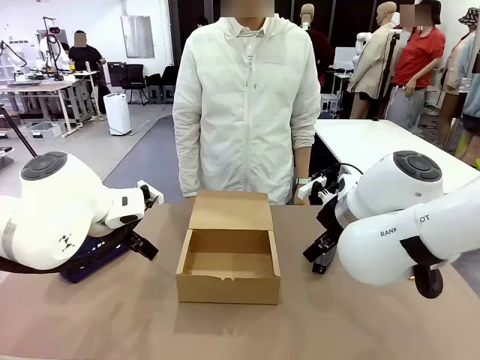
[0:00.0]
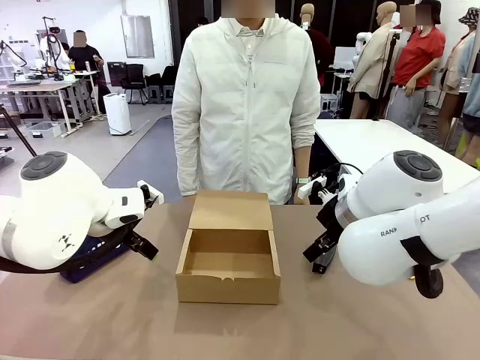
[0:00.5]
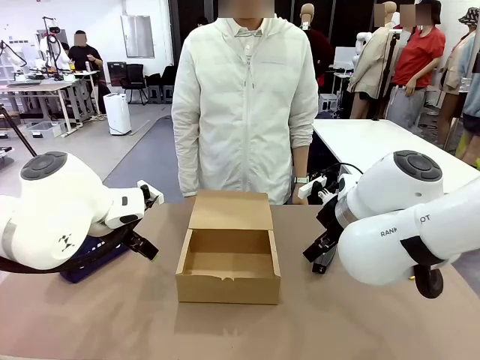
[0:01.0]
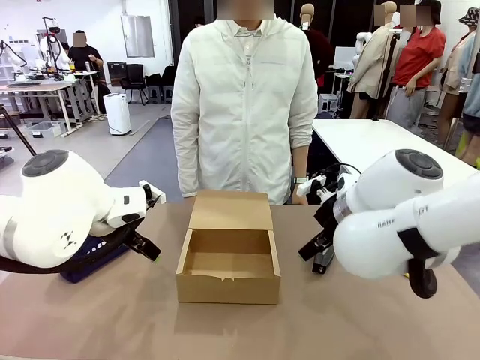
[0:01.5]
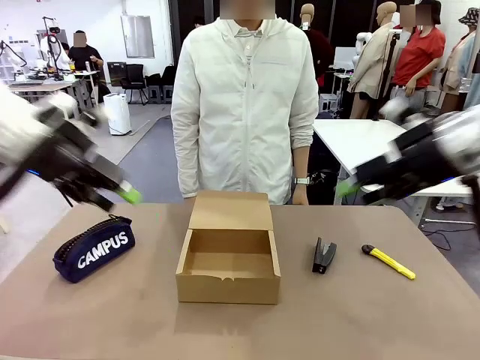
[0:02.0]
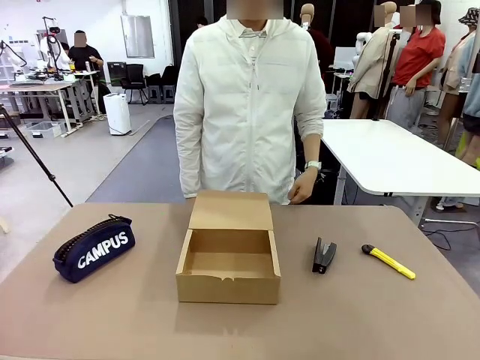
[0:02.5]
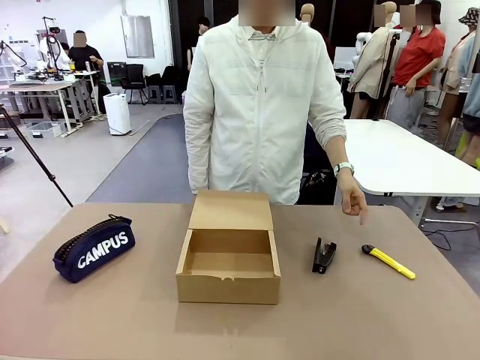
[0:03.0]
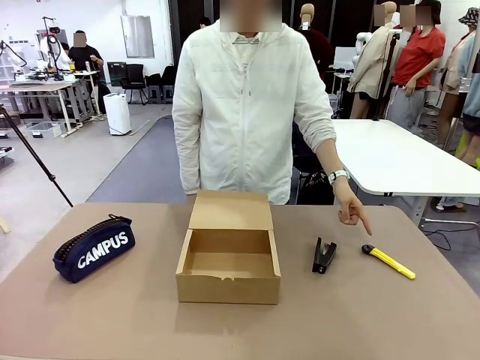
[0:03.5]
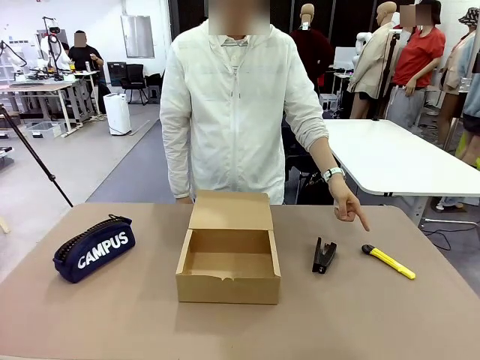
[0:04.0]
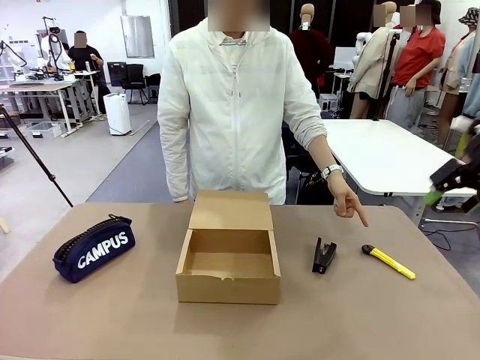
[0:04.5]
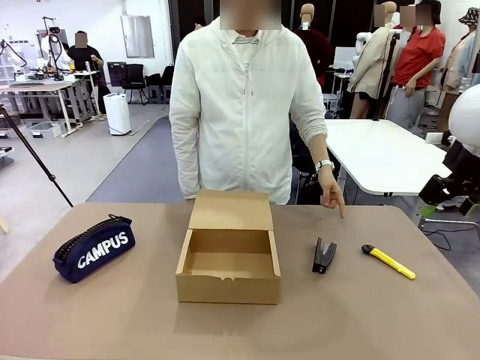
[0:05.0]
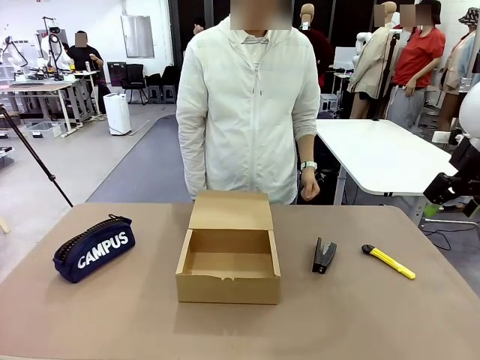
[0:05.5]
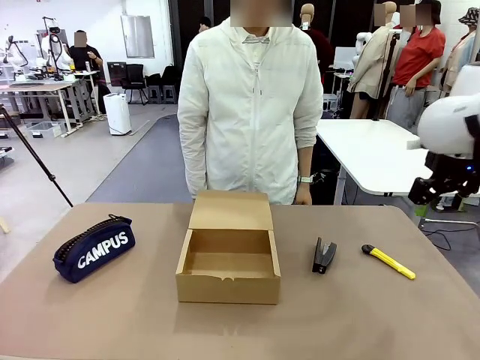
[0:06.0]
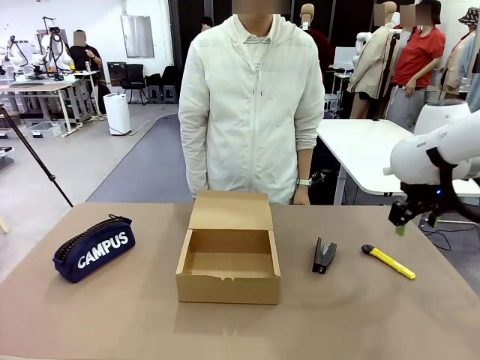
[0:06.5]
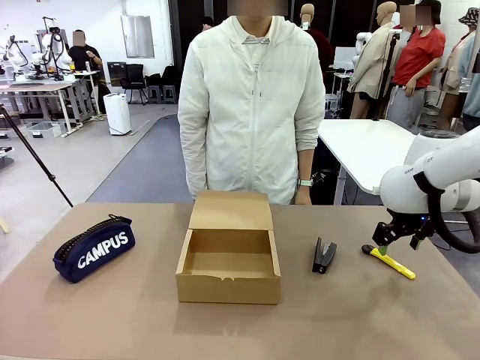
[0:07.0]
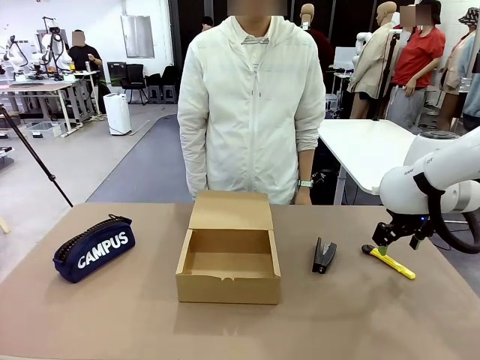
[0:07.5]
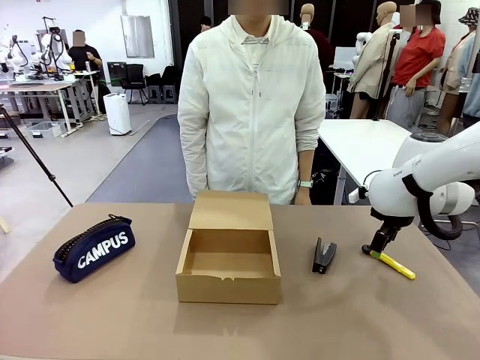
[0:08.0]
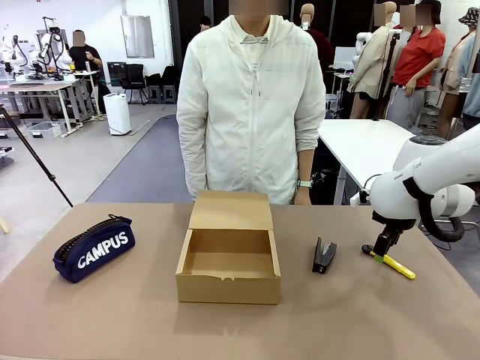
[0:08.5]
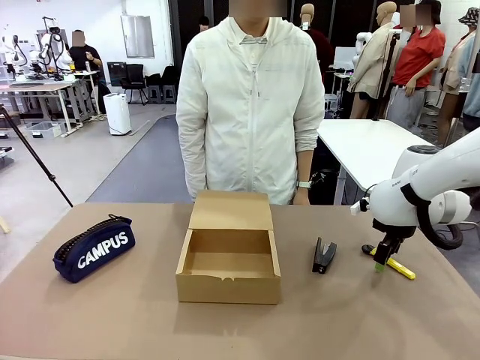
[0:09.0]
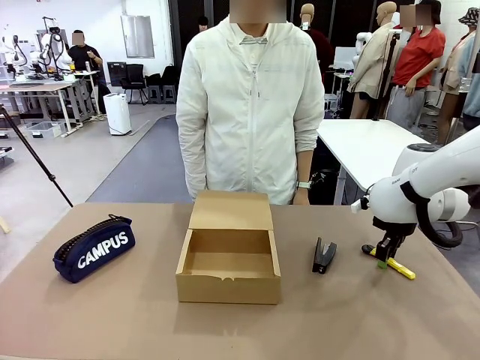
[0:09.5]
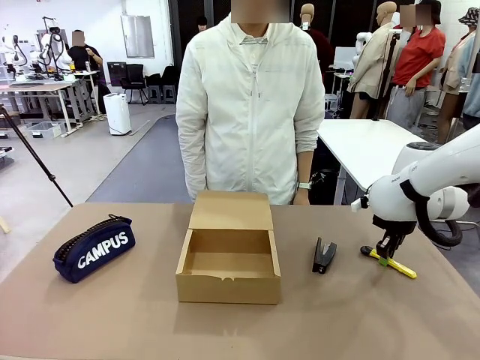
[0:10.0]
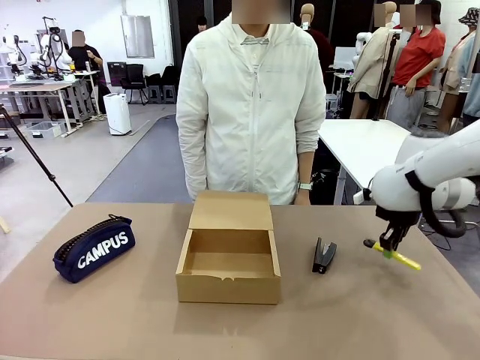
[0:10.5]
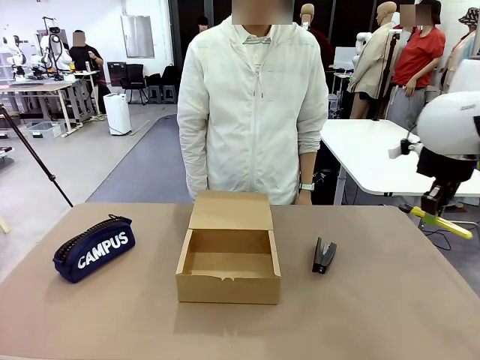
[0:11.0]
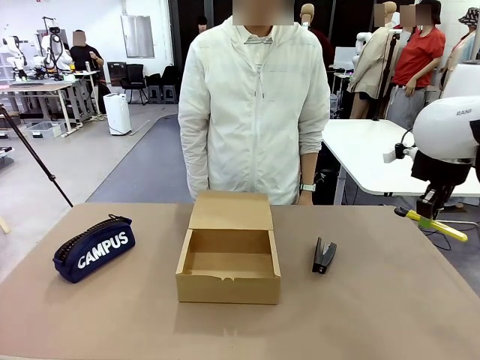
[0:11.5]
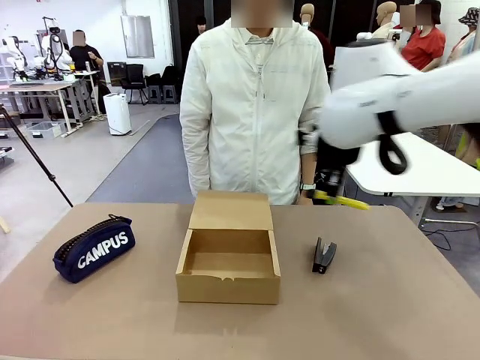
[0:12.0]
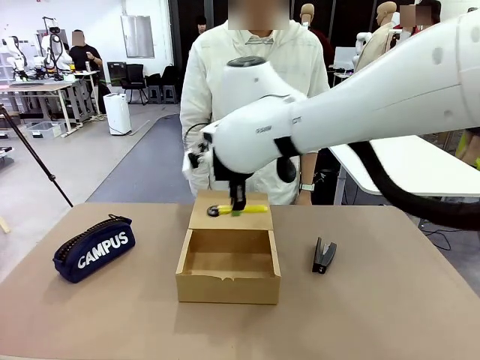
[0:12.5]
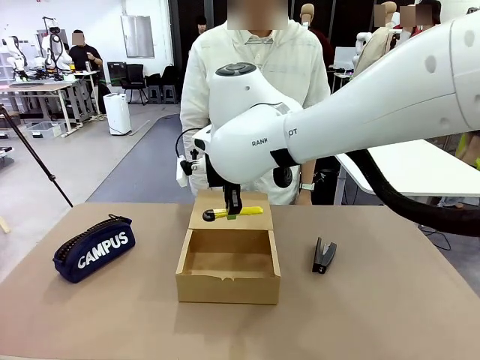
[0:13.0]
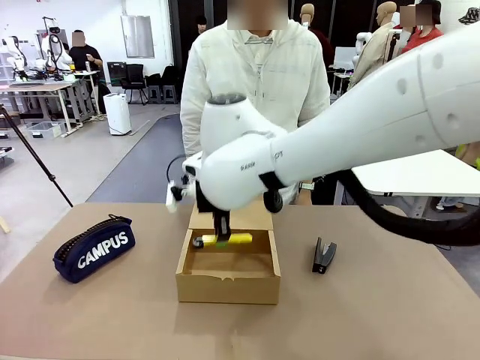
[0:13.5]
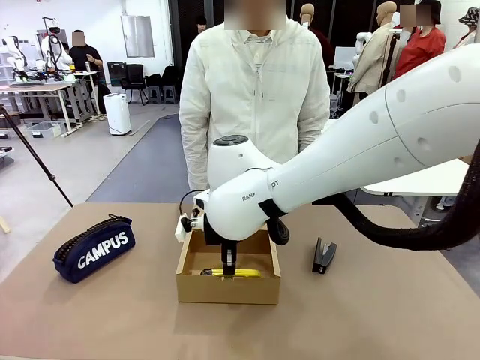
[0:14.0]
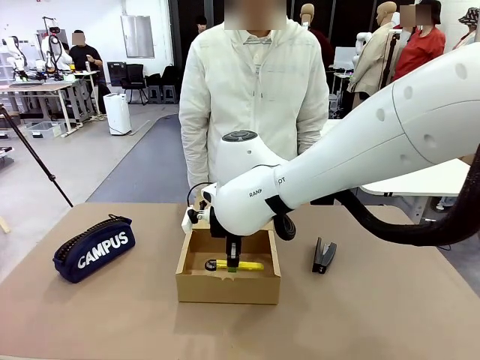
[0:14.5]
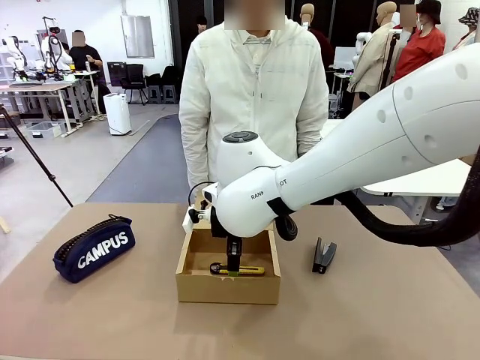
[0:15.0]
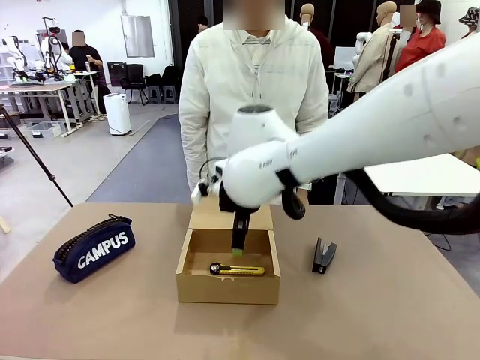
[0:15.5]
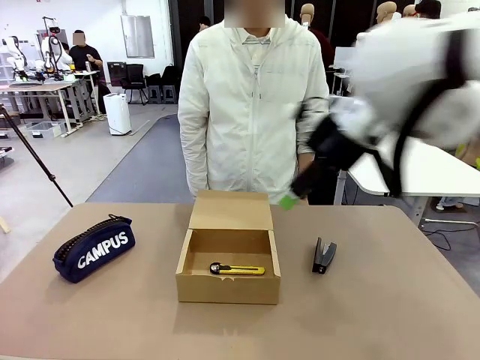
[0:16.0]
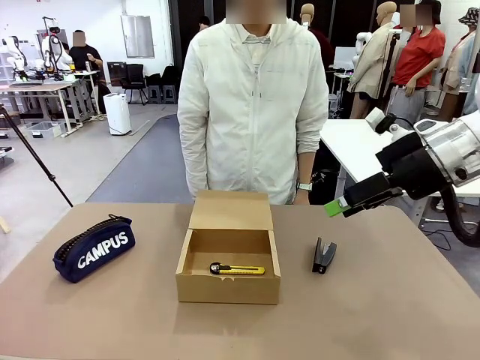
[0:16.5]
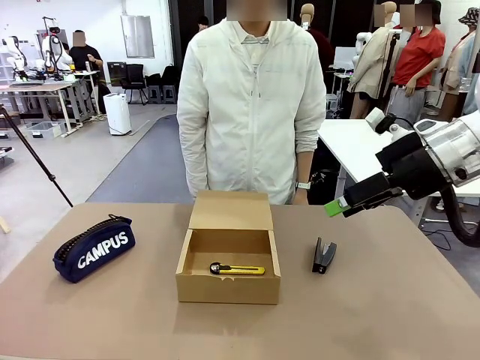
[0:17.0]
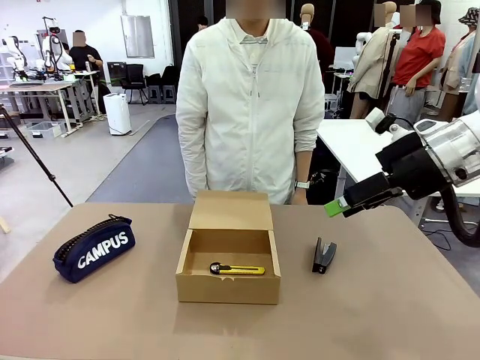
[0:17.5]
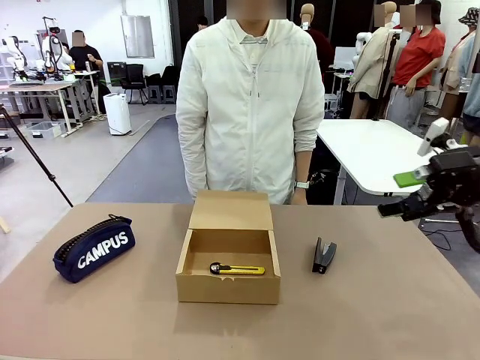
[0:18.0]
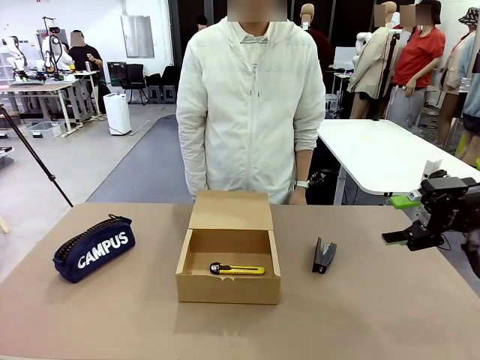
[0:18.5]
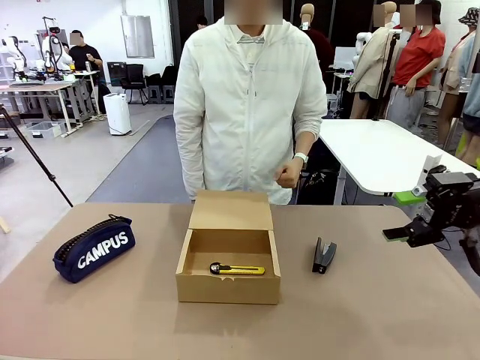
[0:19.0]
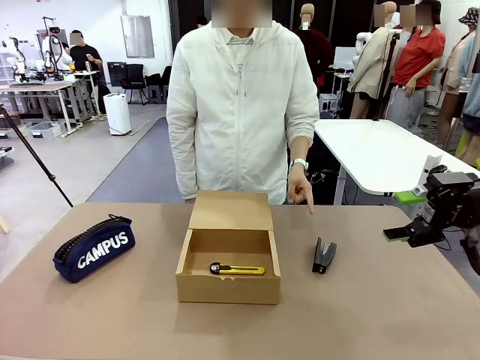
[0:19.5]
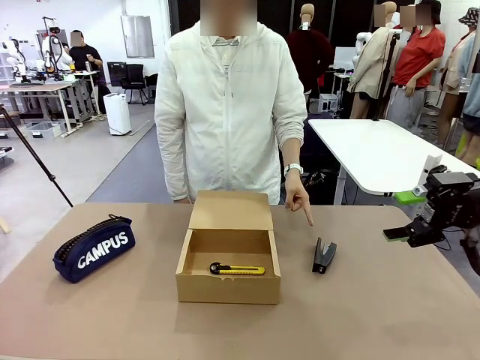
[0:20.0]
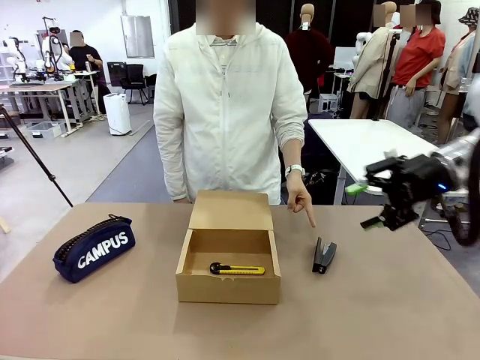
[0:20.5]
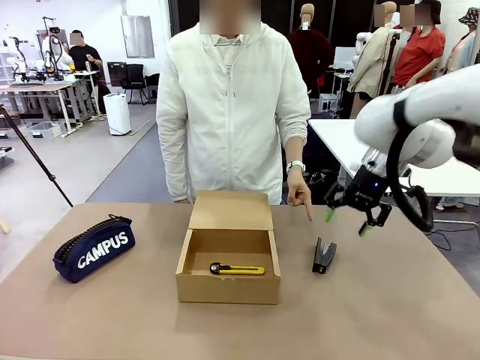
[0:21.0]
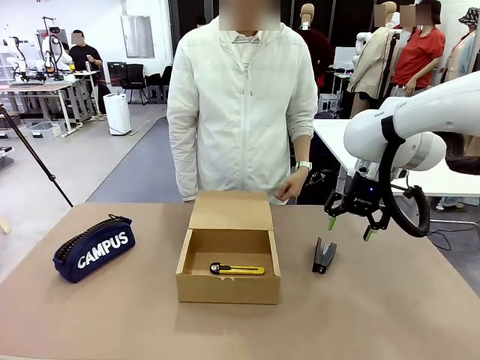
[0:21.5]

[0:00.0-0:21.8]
Task: Pack the items into the box.
Robot: Pick up the item indicated by the person and place it inside the Mailer Box.
Person: Point at one item on the table (excluding the box).
